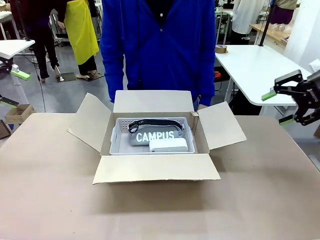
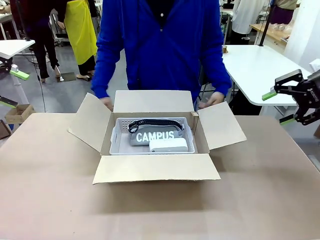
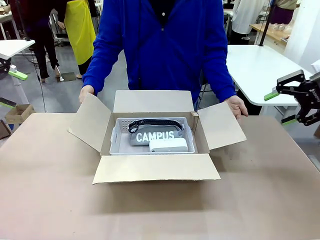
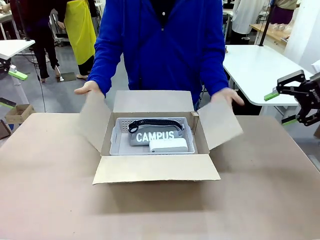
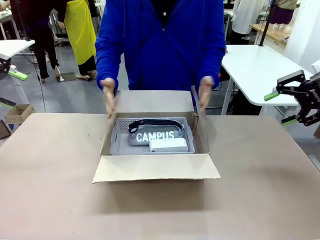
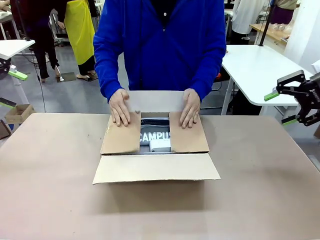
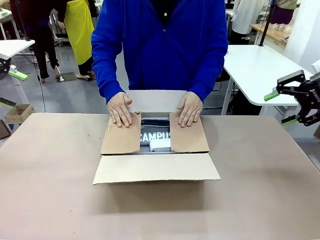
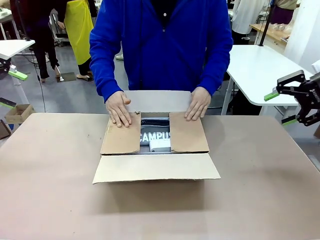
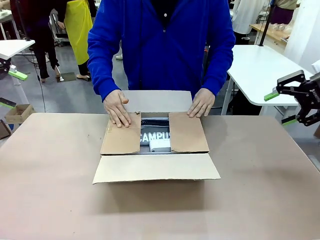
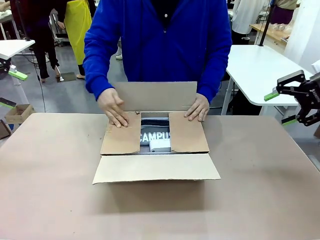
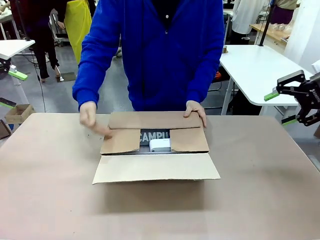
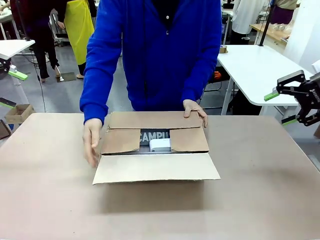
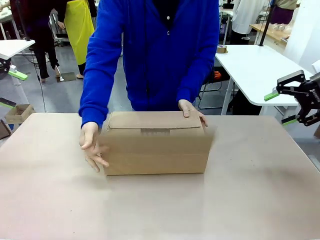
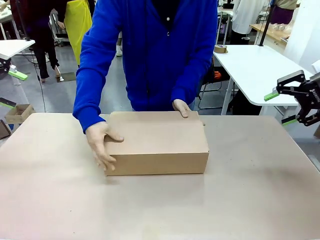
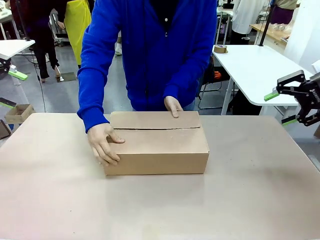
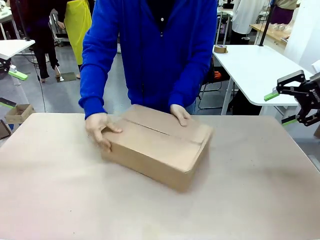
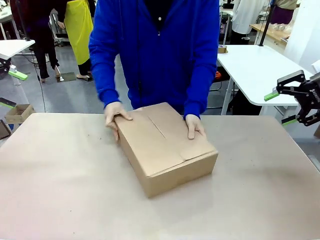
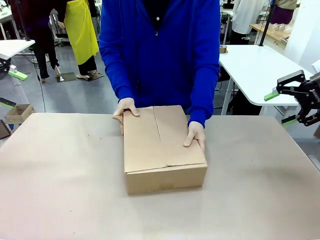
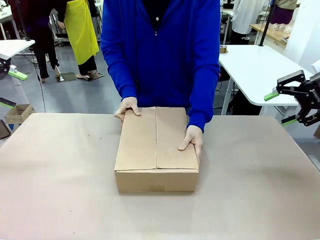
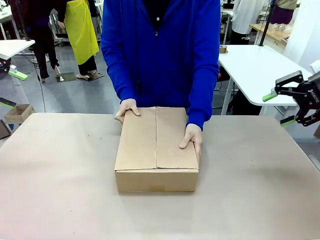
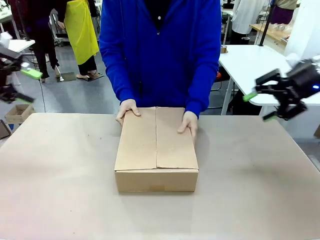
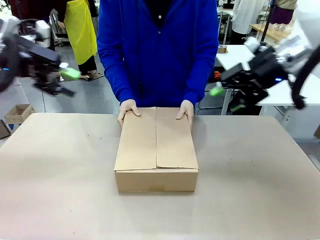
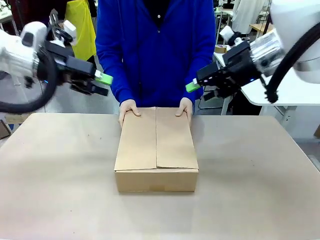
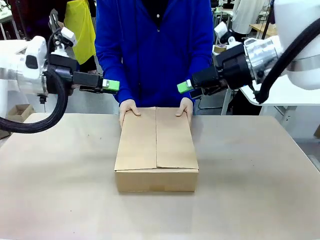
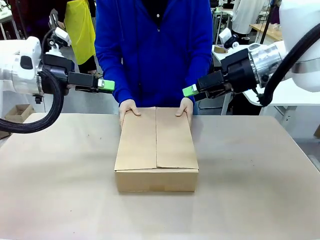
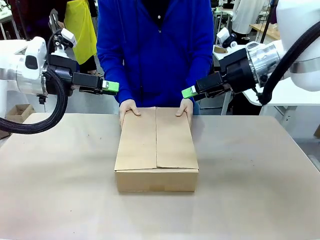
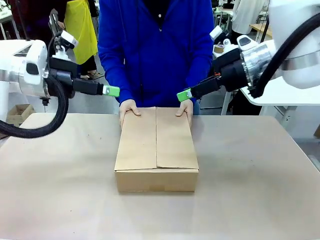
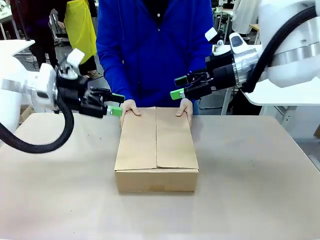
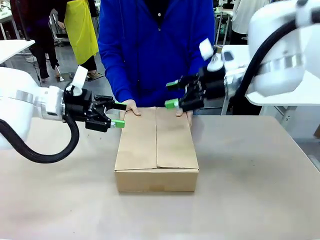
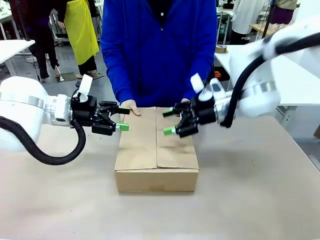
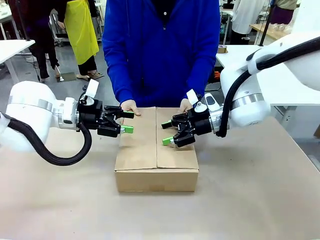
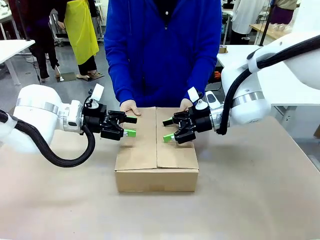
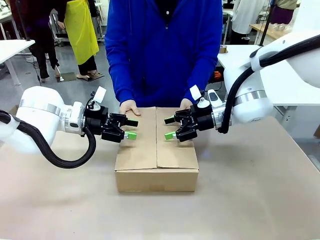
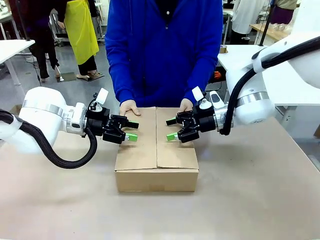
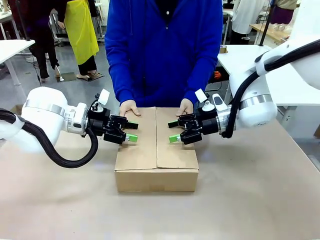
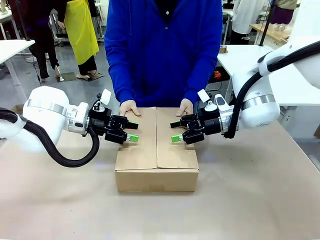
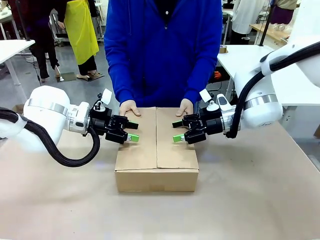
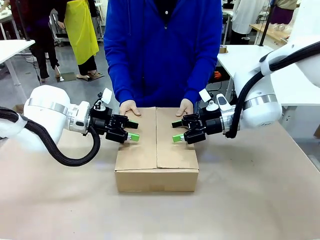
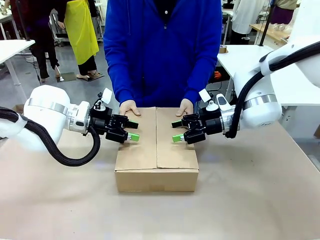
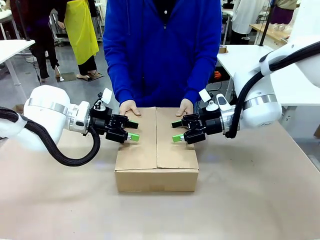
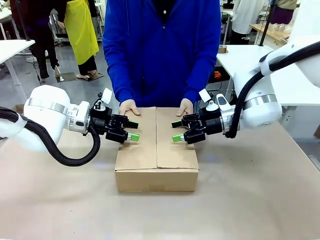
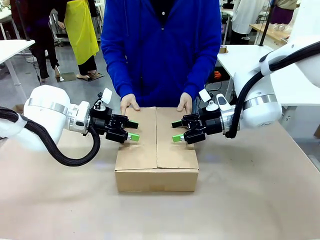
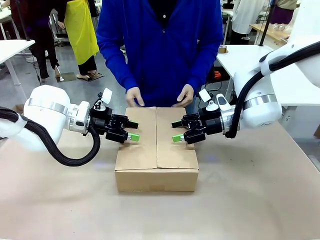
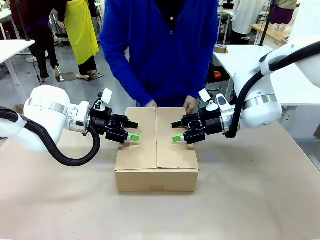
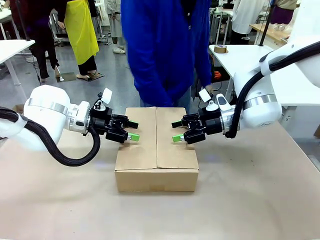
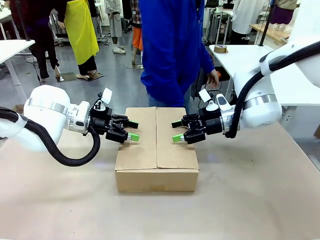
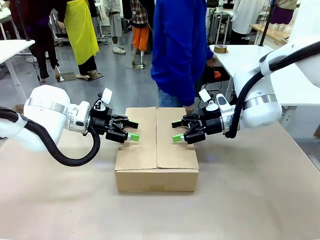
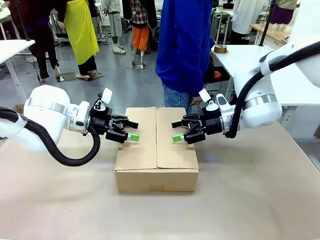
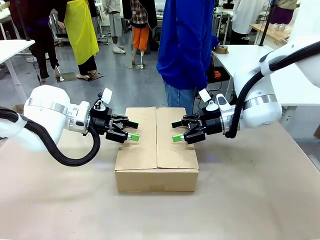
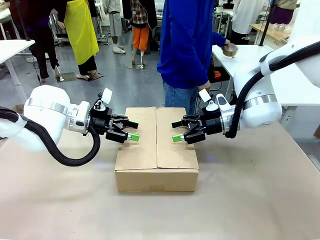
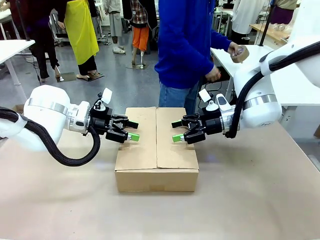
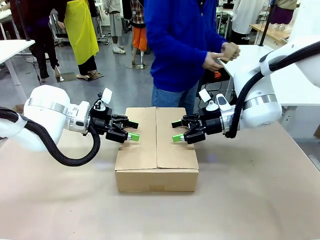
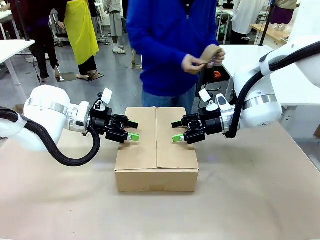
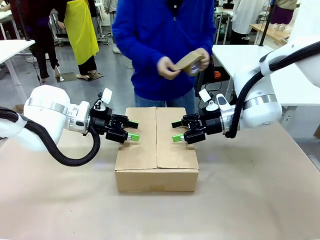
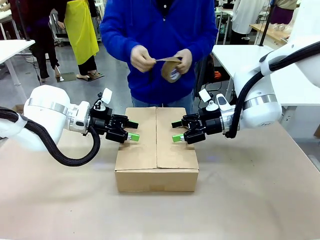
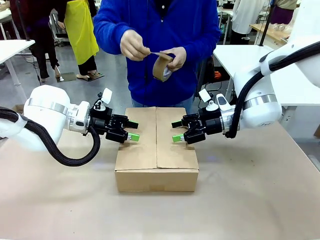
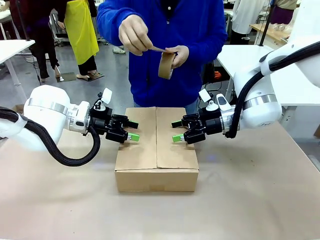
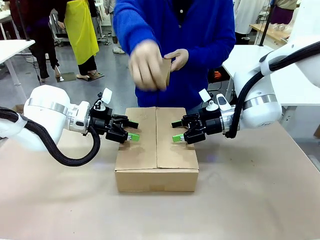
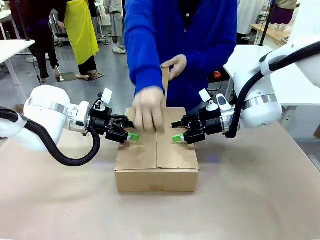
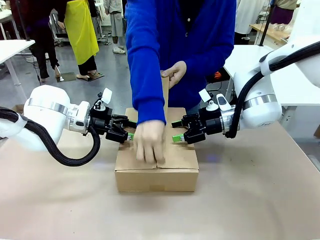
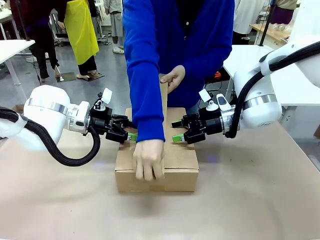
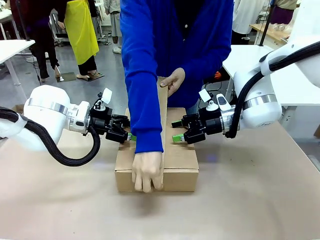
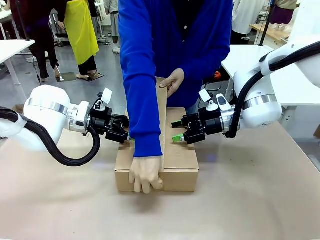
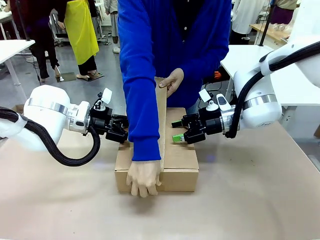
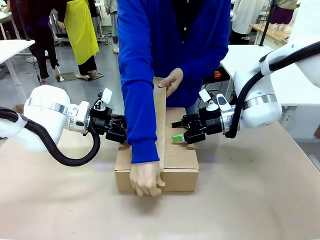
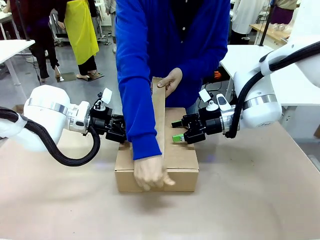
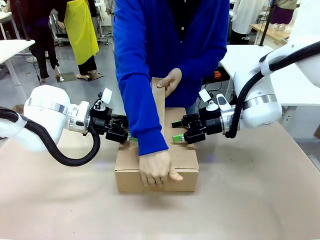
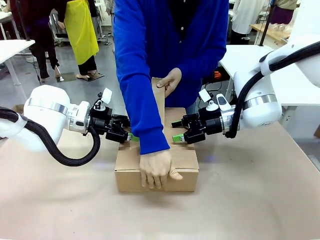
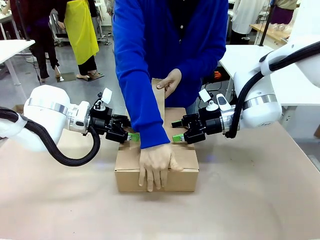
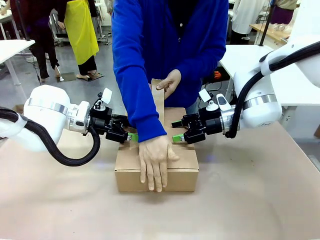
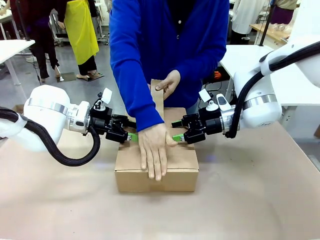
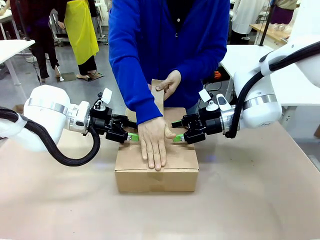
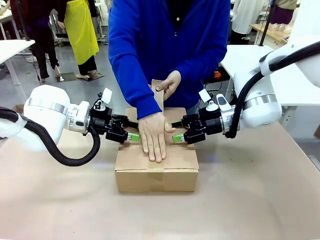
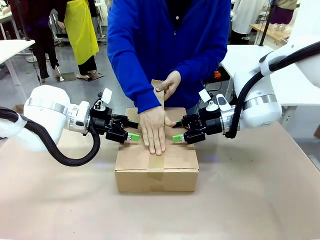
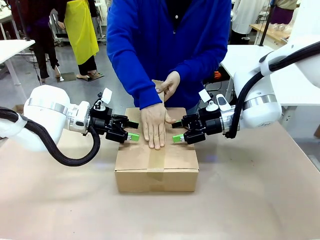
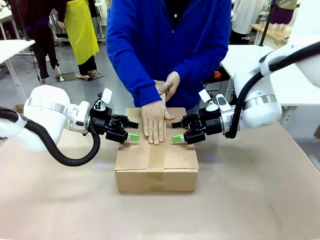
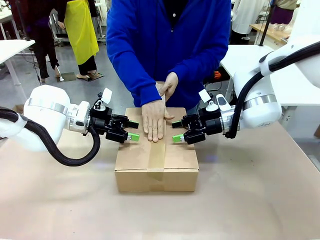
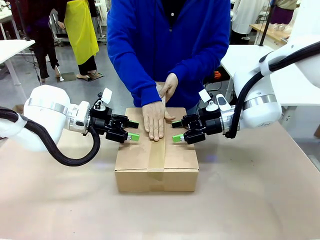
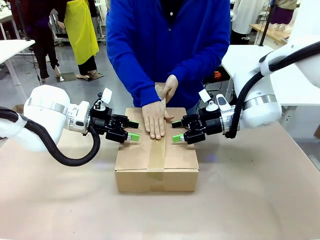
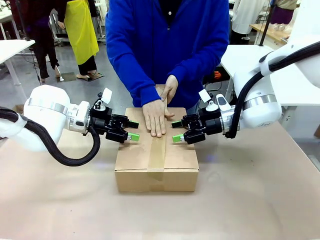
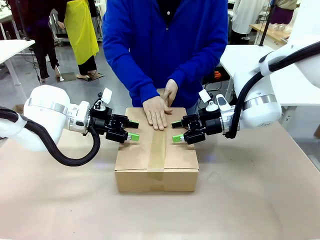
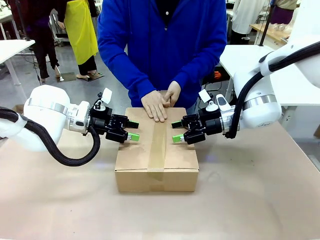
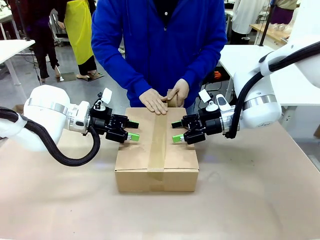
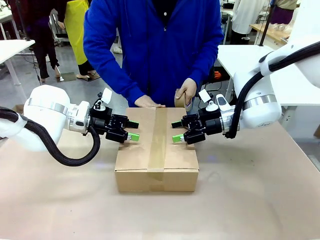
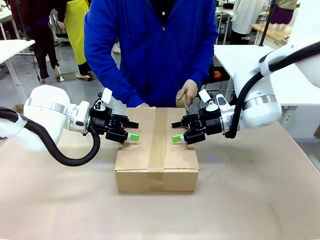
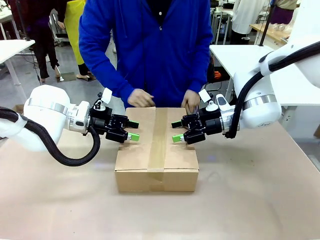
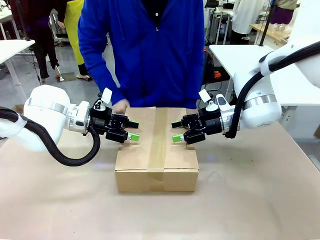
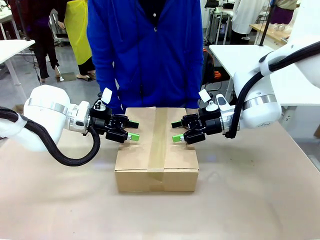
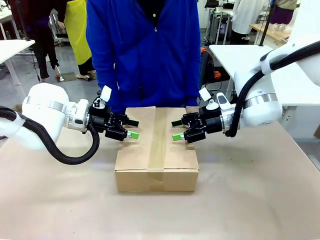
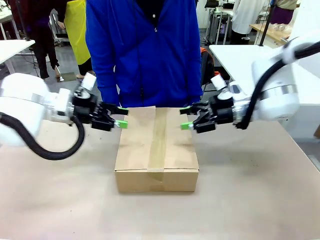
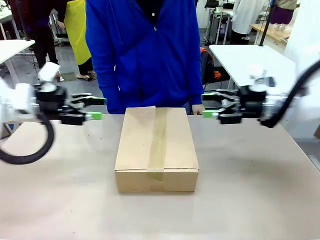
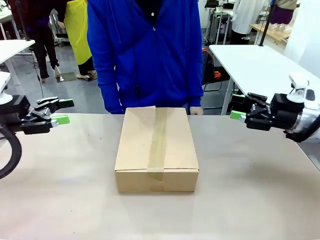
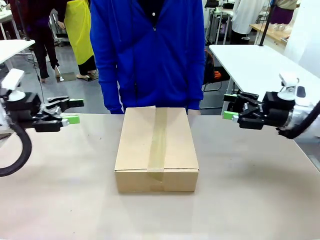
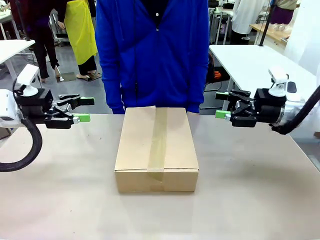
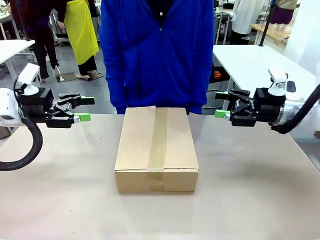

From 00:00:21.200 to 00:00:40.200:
Task: Pack the gift set into the box.
Robot: Press and hold the closed box until the human finishes sealing it.
Person: The human closes the box and rotates the box by 90 degrees. The human picks up the paper tape from the human table and packs the box.
